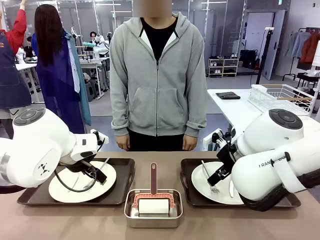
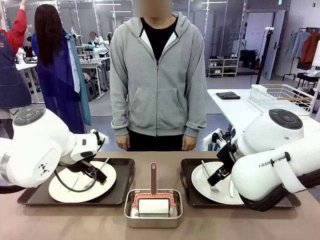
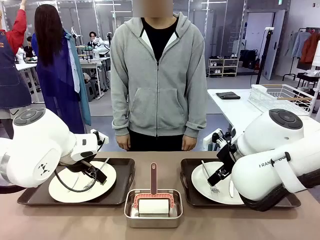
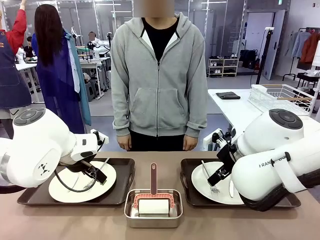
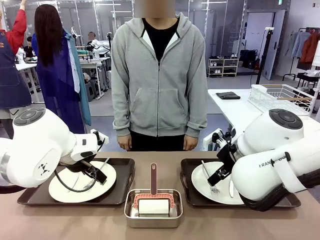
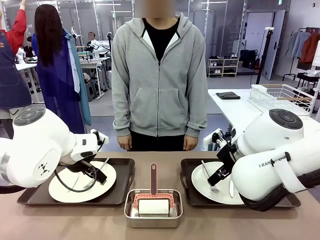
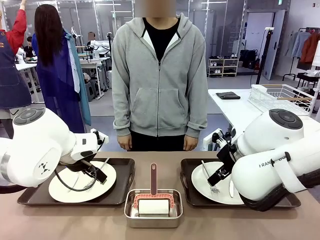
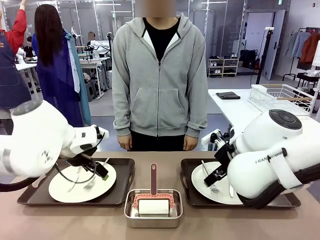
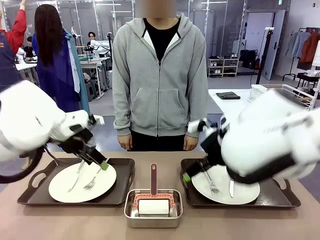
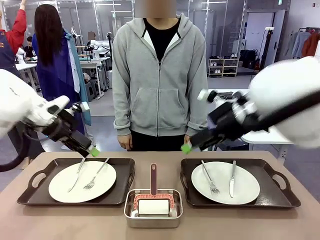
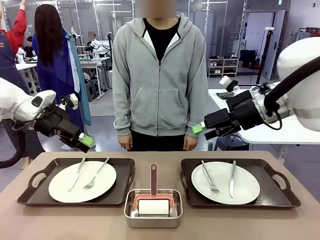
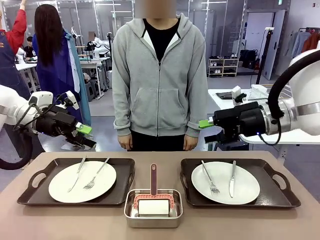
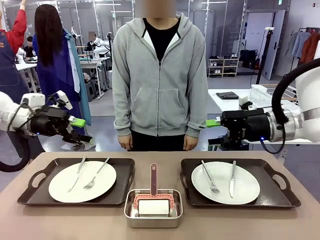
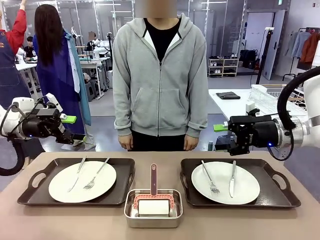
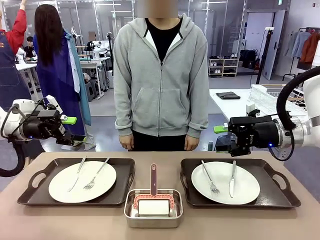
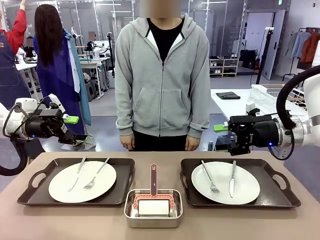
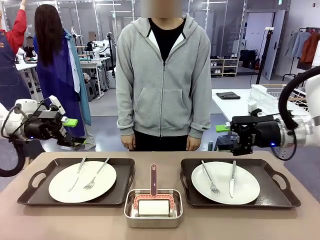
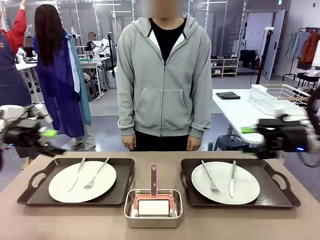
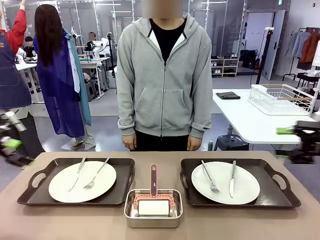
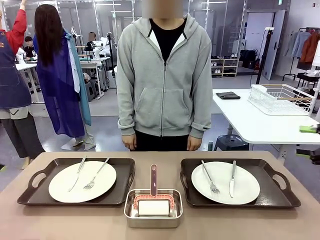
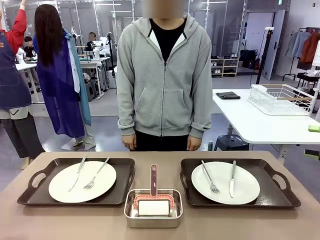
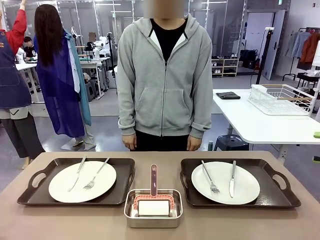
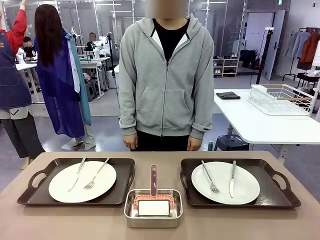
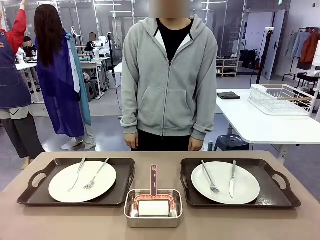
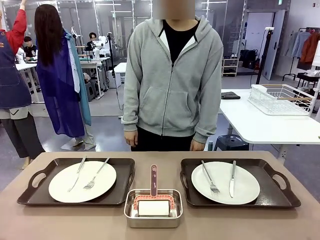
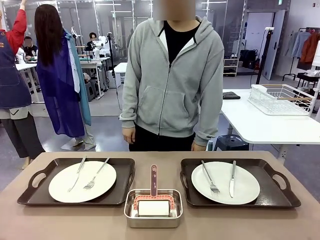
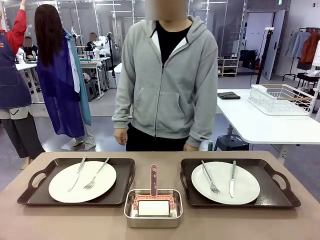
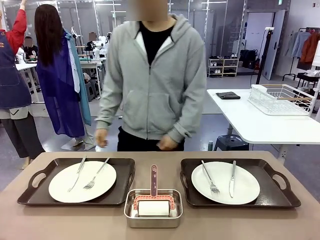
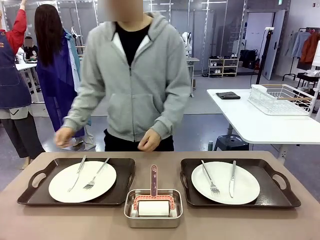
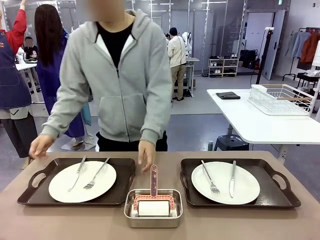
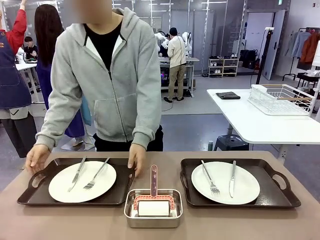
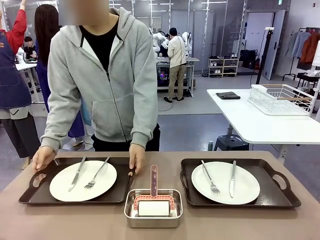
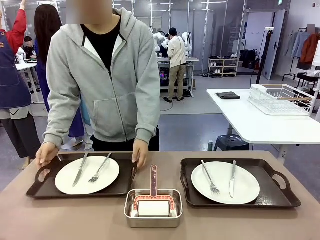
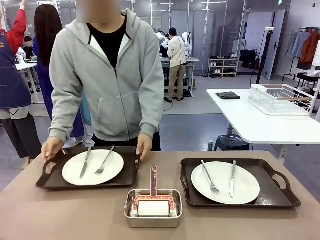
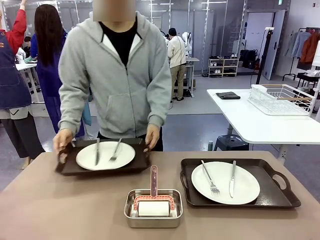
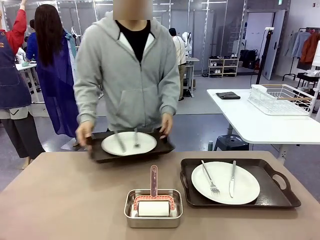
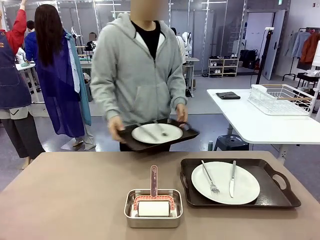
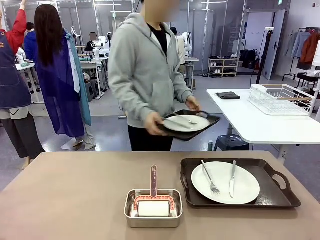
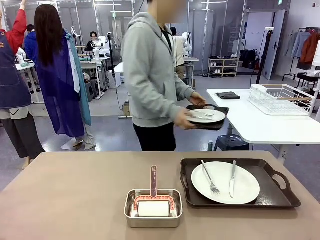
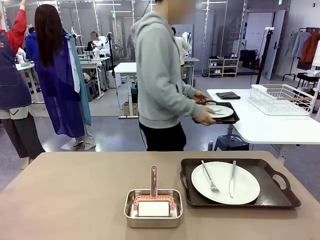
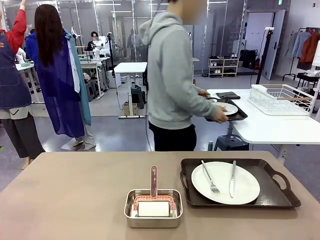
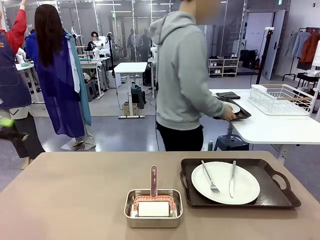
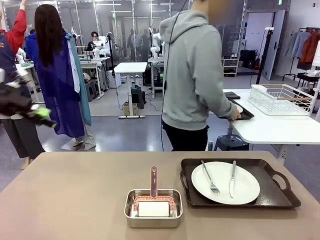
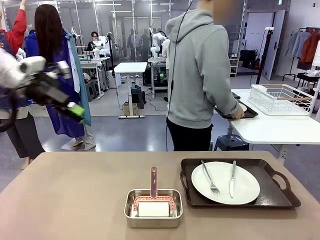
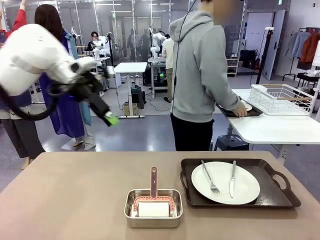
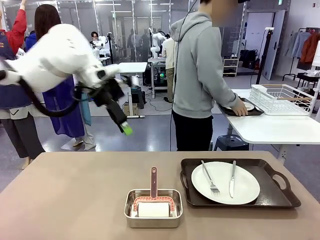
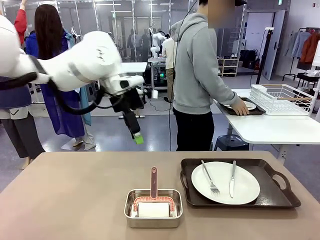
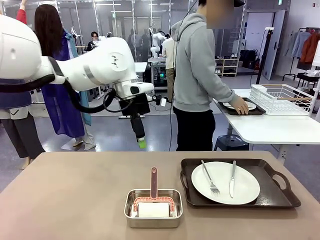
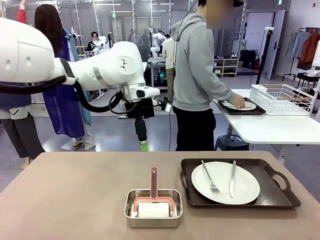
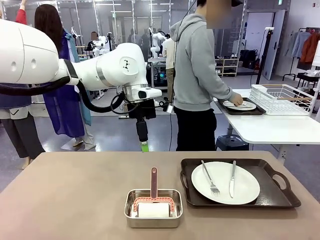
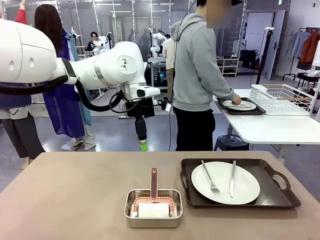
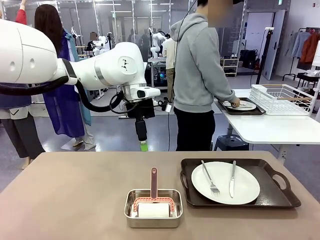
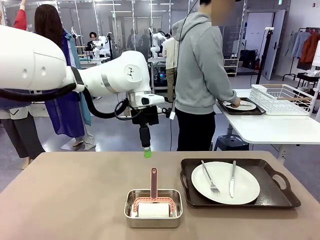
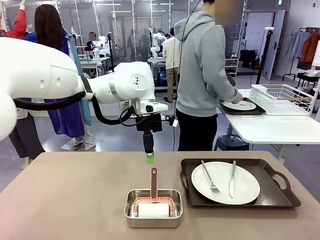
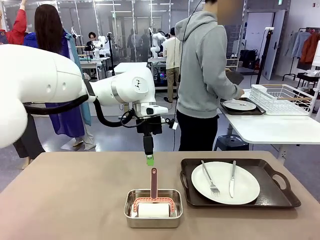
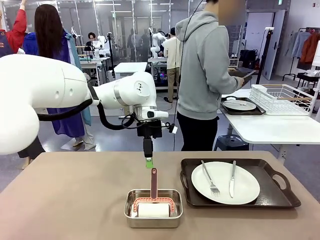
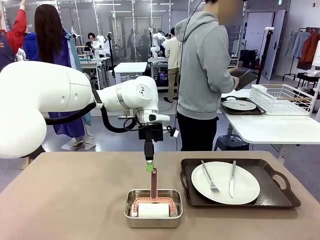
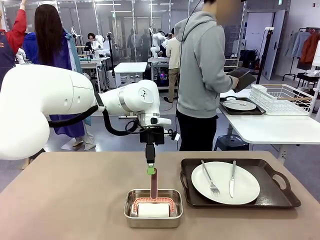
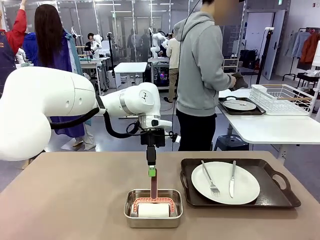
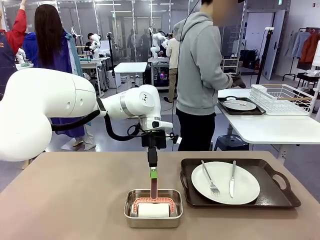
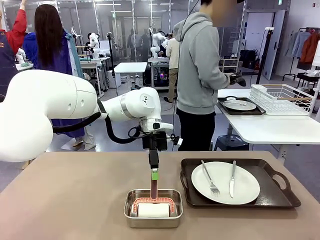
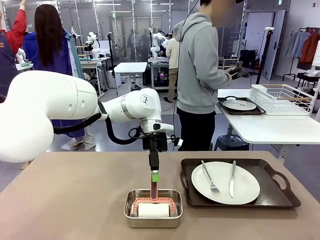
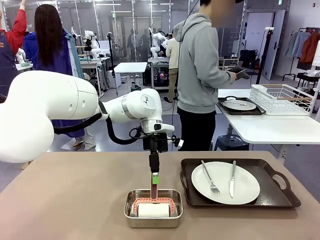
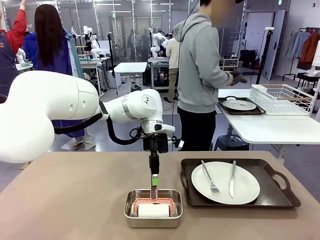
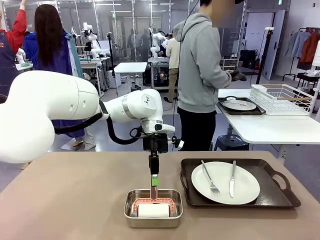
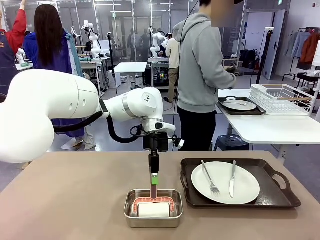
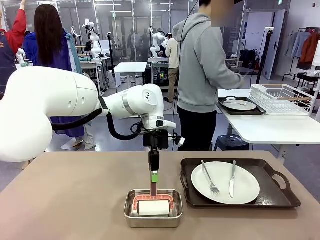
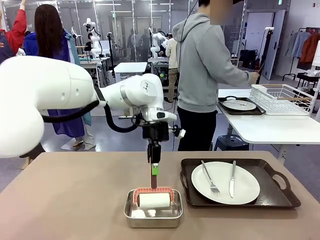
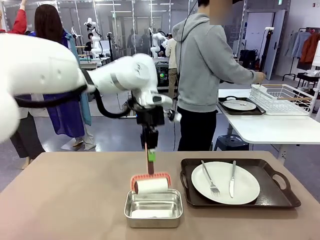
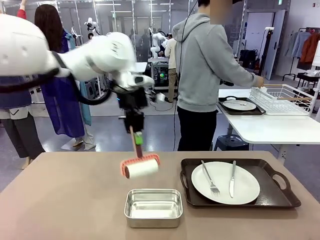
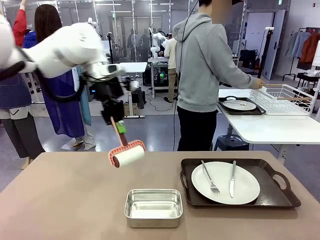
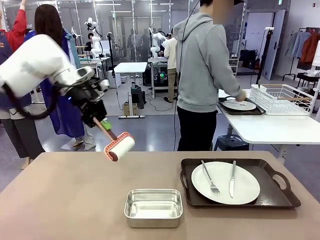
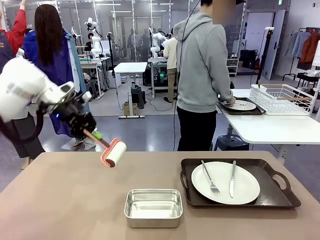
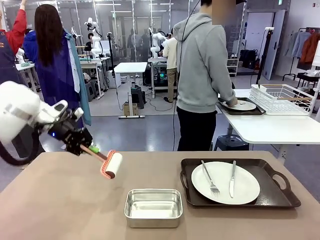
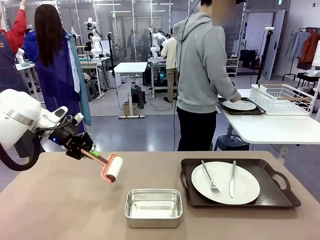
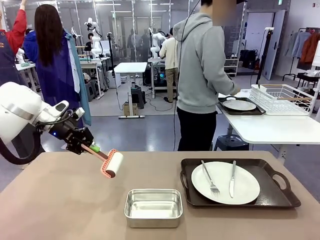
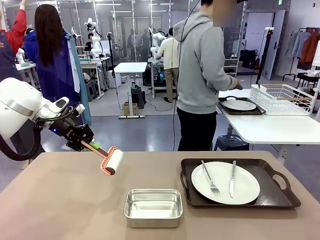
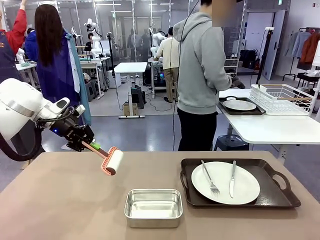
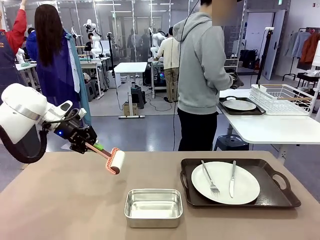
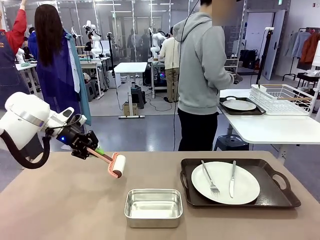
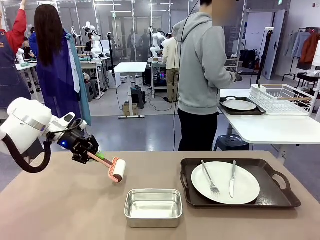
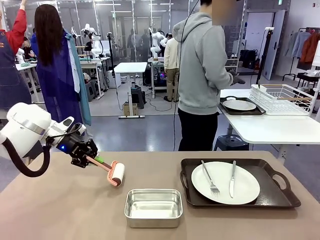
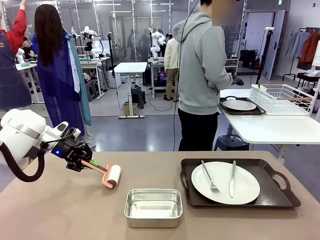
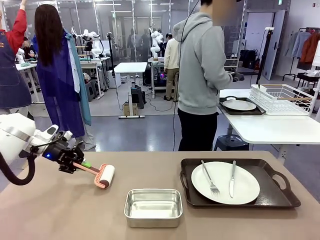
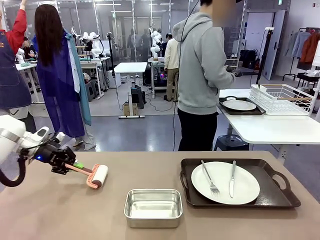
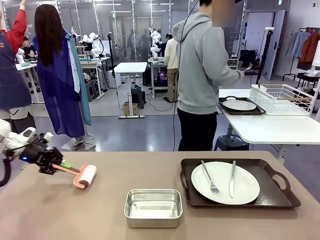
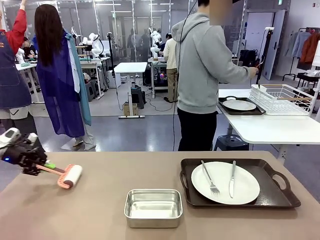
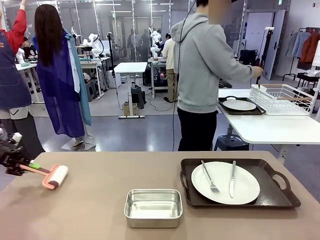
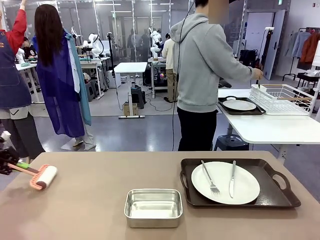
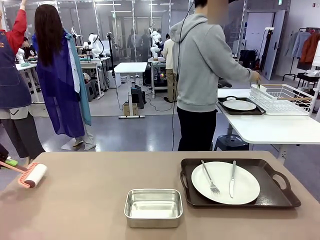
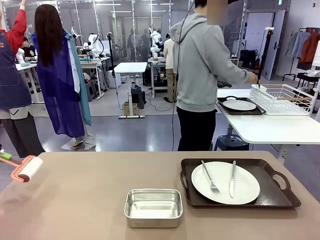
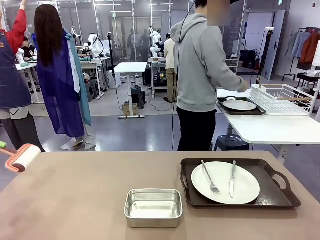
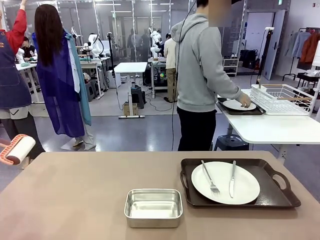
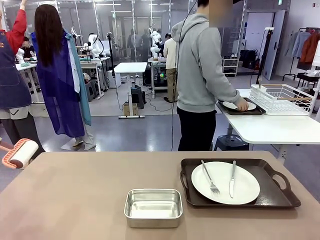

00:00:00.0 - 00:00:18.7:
Robot: When the left (or right) Handle tray is removed, use the left hand (or right hand) to clean the left (or right) side of the table with the Lint Roller.
Person: Pick up the left (or right) Handle tray and place it on the middle of the Human's table. Use the Towel with hook to wipe the Plastic Matte Plate , Fork , and Knife and place into the Dish drying rack.

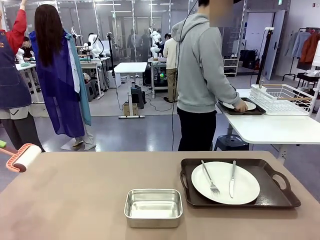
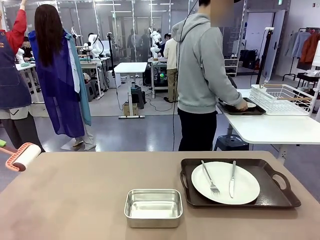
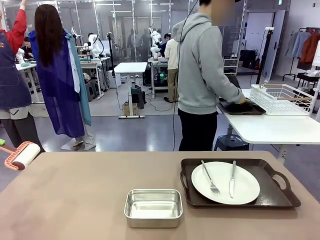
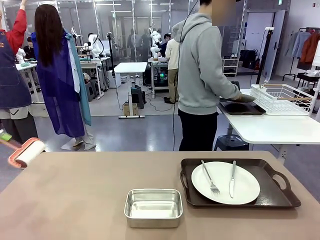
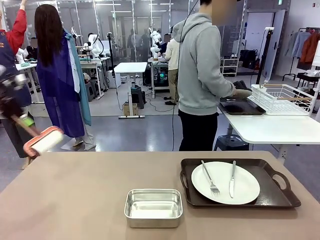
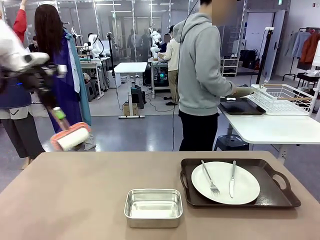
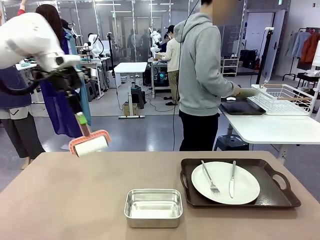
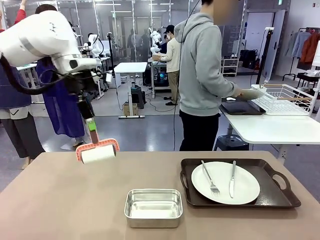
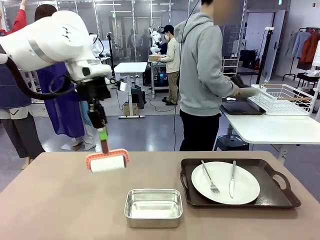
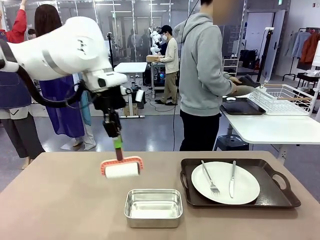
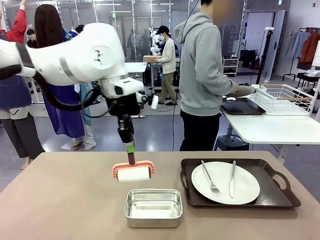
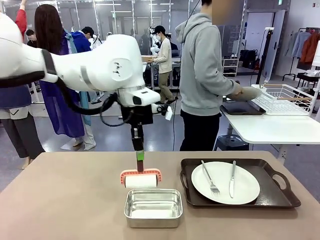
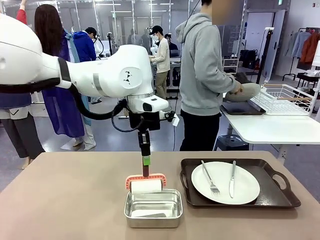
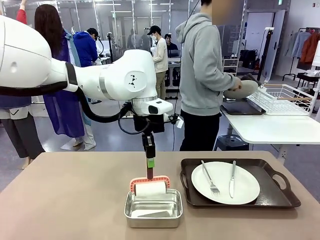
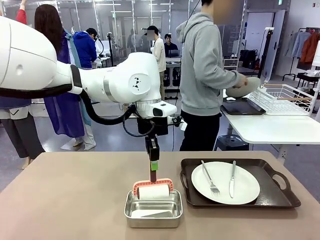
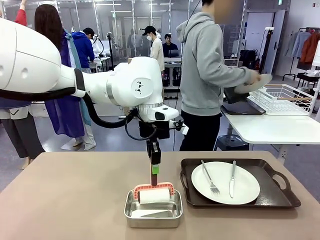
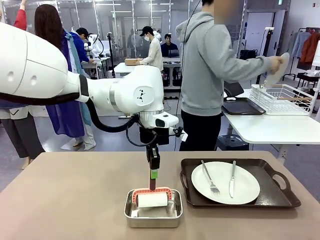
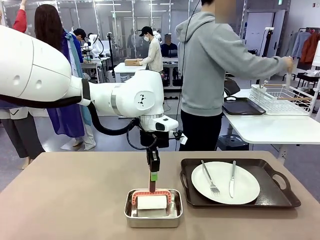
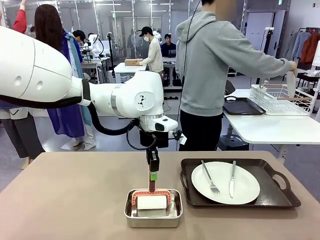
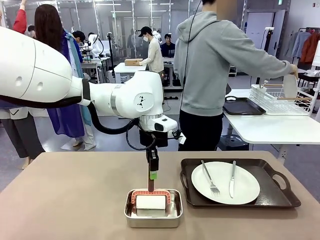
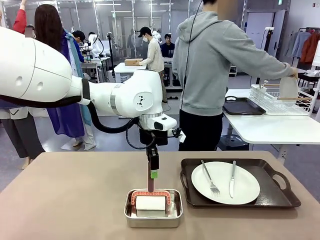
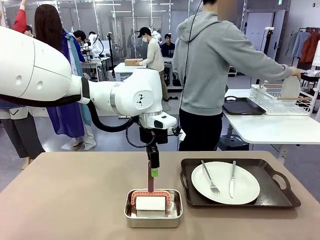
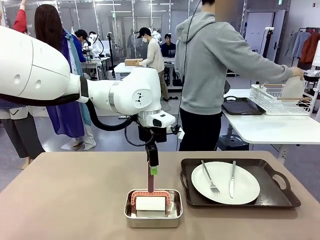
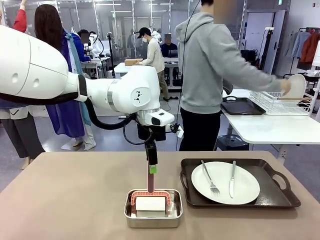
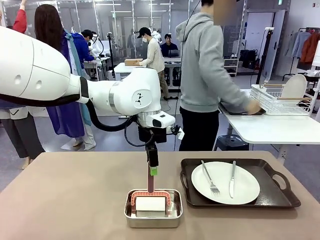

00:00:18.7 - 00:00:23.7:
Robot: Place the Lint Roller back on top of the Airtight Container.
